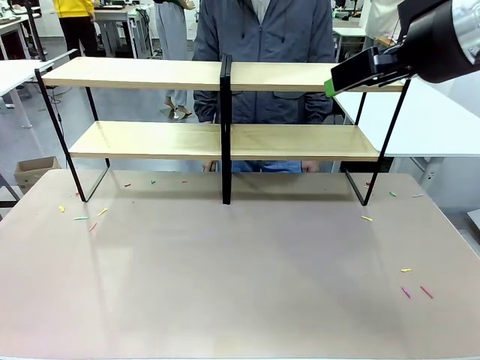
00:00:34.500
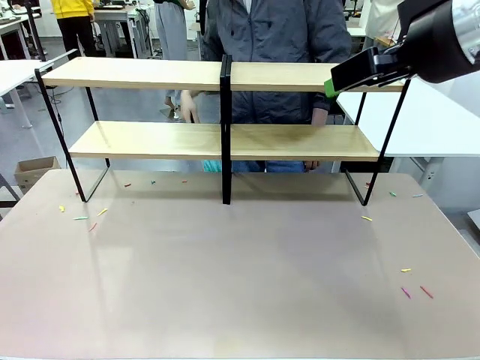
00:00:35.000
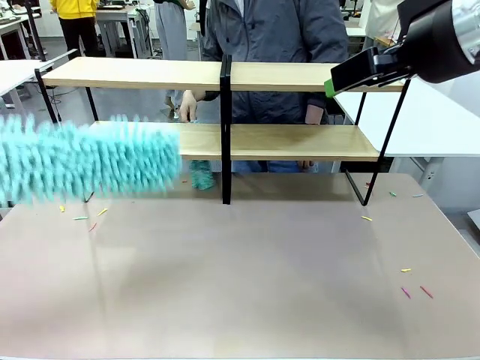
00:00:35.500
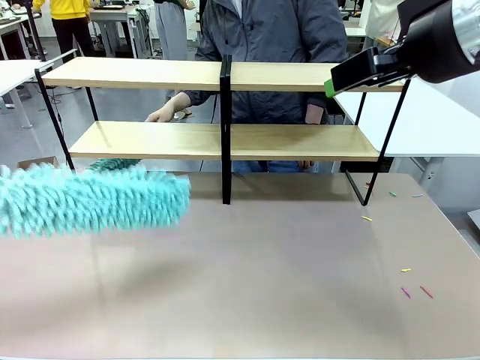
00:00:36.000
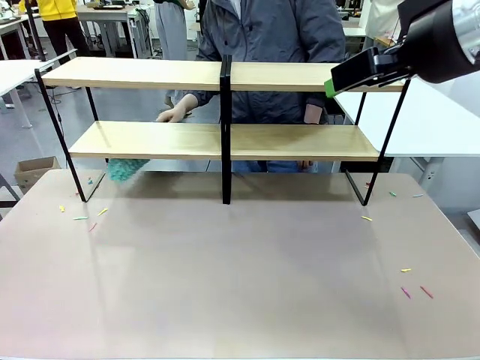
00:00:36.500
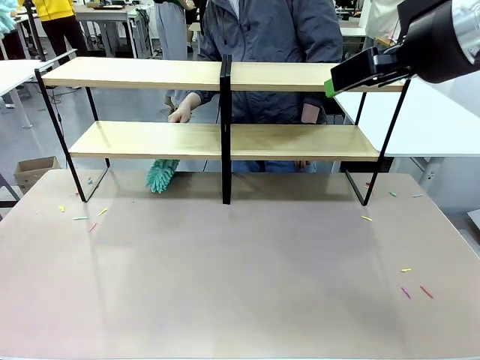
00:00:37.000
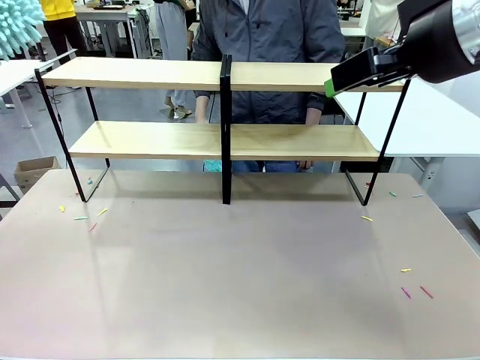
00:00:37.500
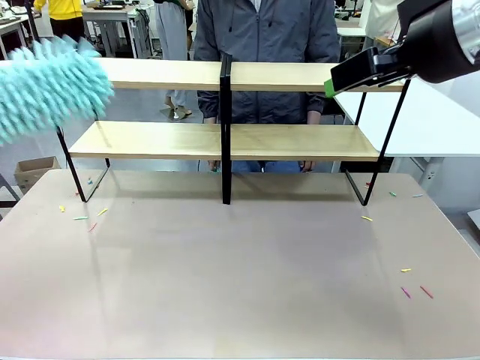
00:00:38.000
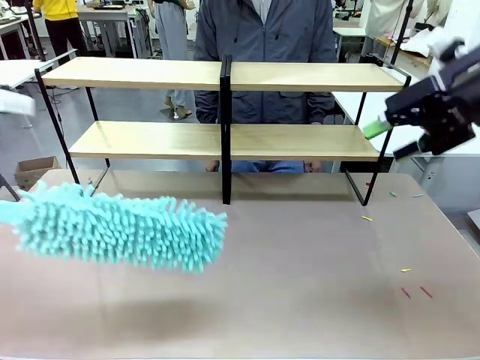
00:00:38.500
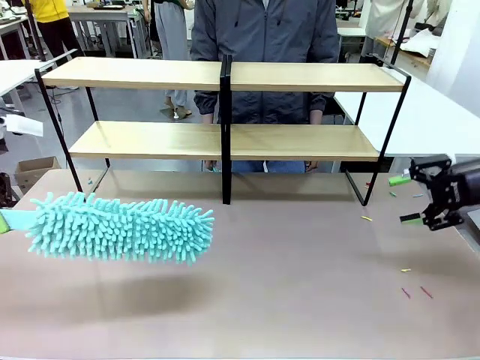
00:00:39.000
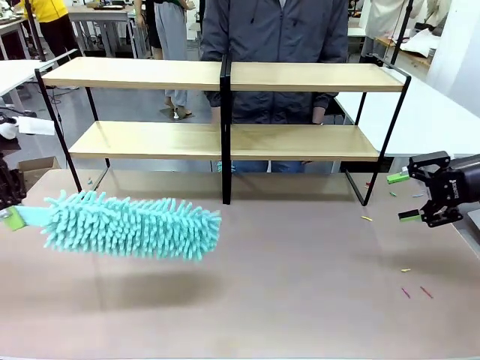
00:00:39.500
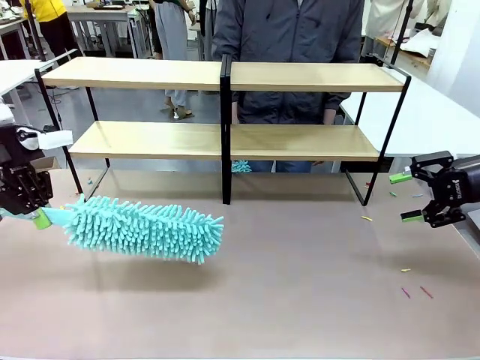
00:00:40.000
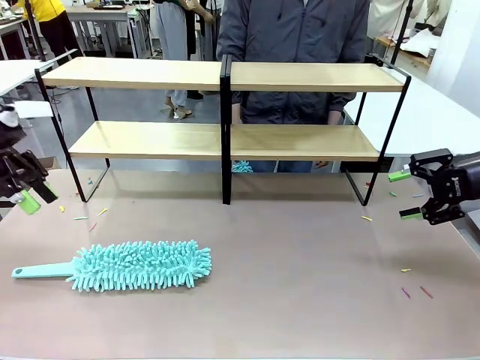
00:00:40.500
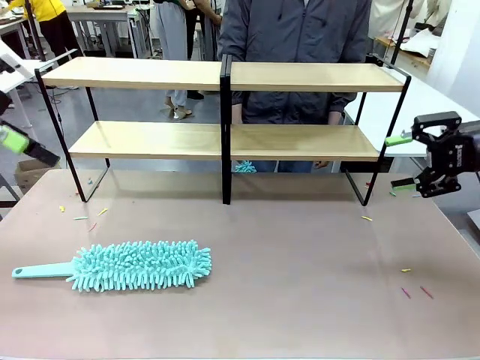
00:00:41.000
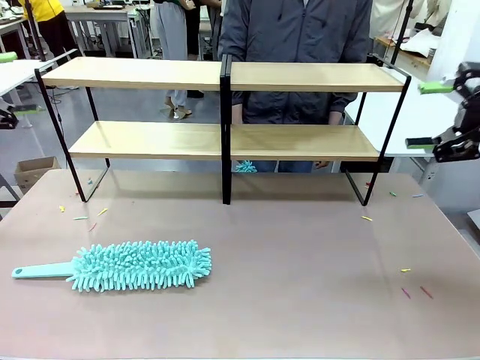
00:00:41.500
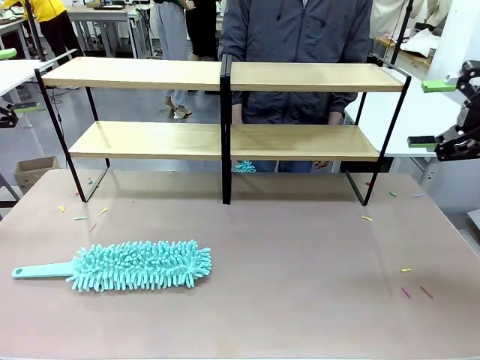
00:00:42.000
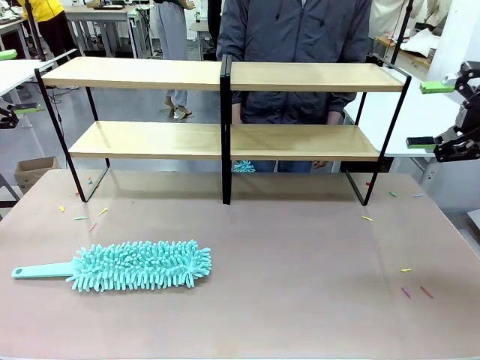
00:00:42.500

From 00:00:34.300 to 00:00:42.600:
Task: Clean the shelves.
Robot: Place the Duster on the table.

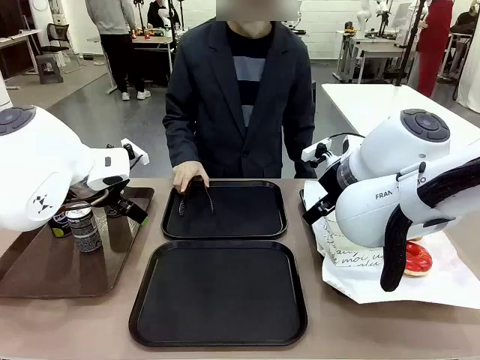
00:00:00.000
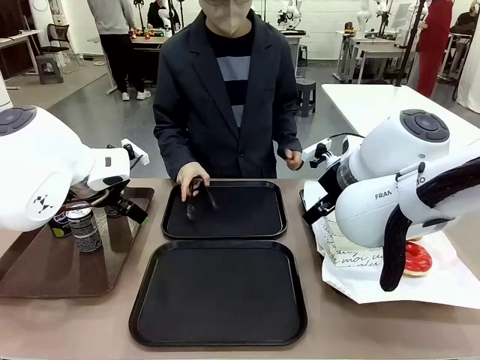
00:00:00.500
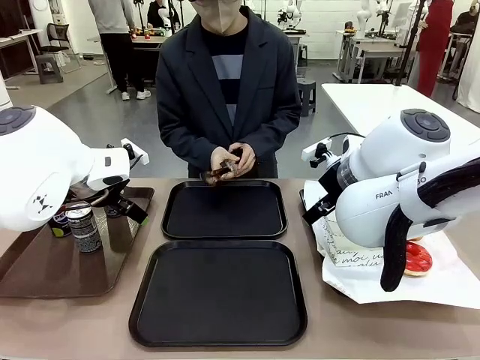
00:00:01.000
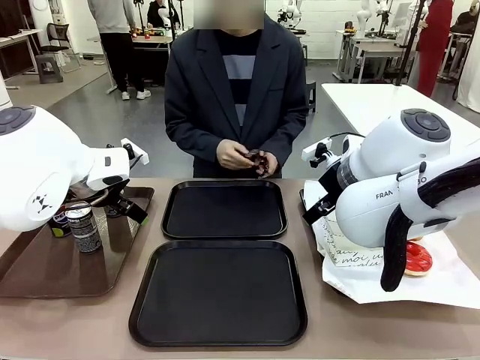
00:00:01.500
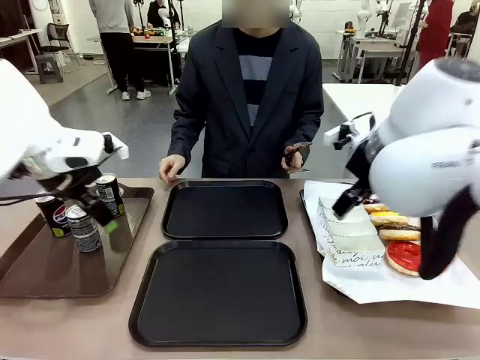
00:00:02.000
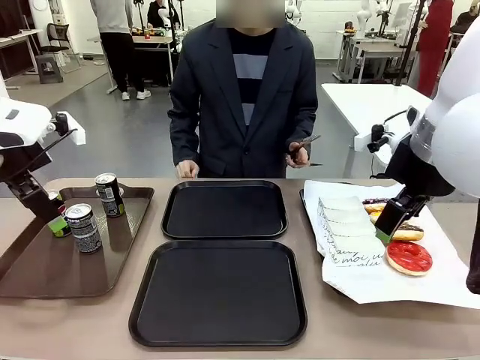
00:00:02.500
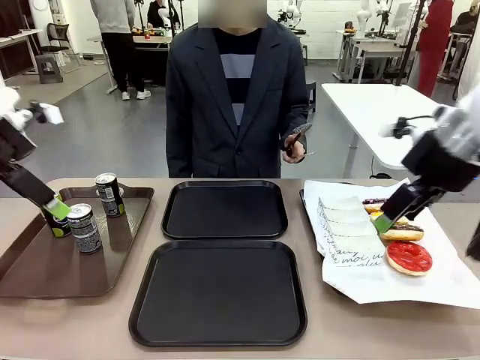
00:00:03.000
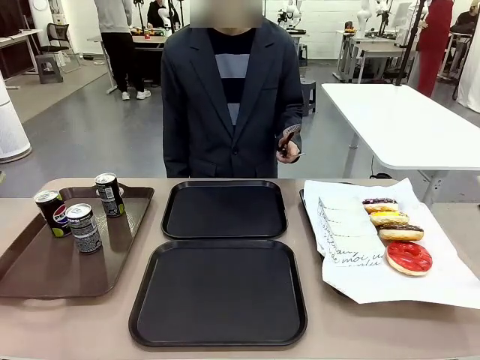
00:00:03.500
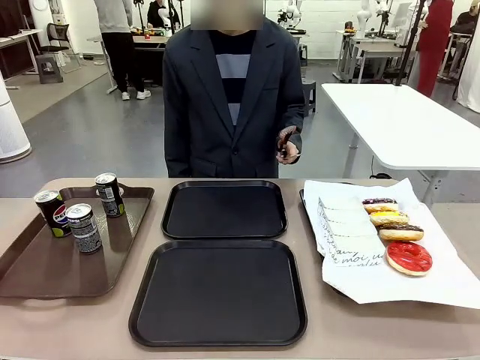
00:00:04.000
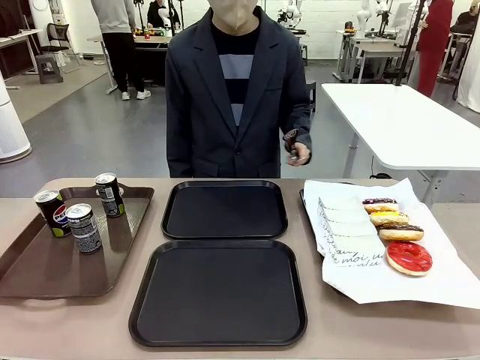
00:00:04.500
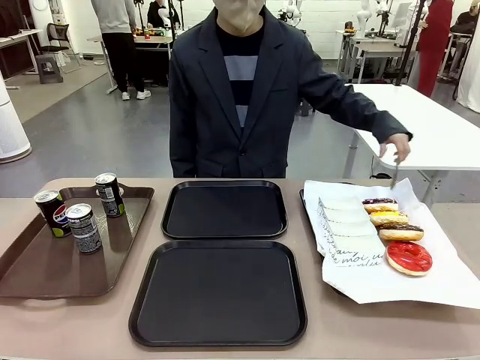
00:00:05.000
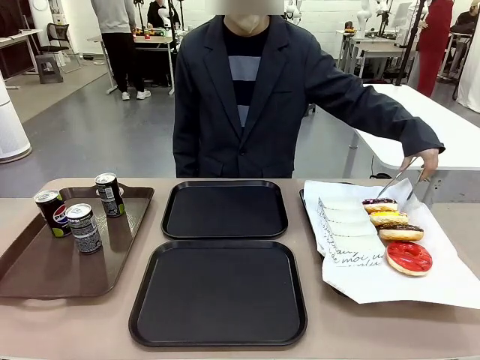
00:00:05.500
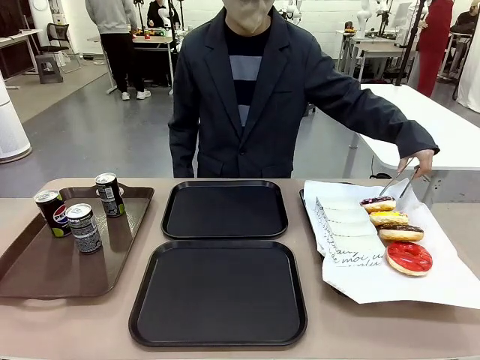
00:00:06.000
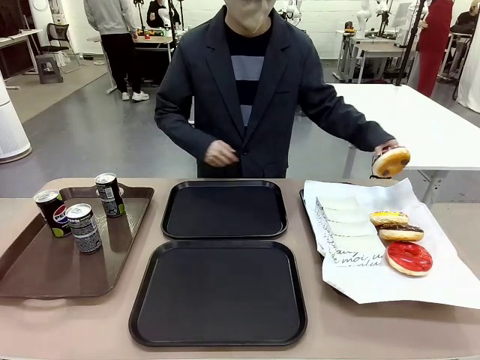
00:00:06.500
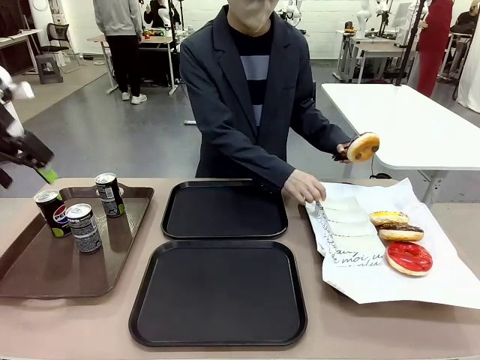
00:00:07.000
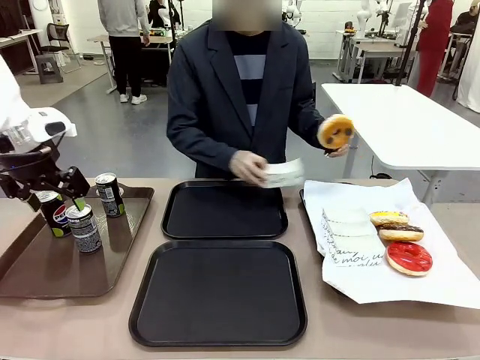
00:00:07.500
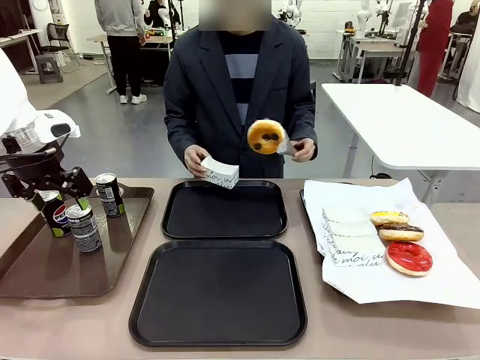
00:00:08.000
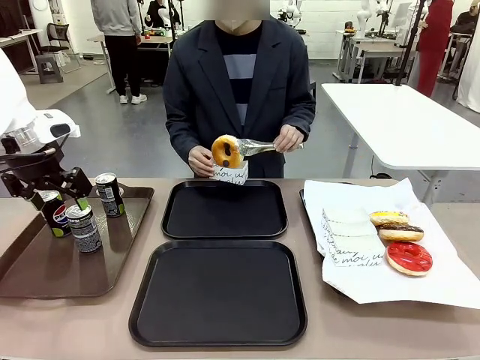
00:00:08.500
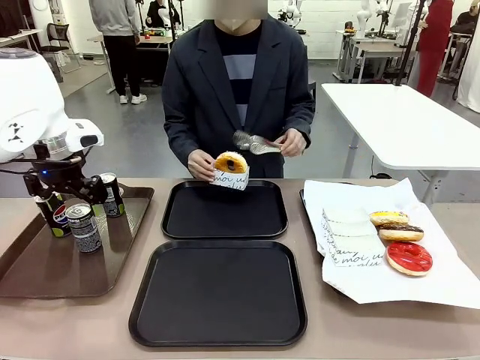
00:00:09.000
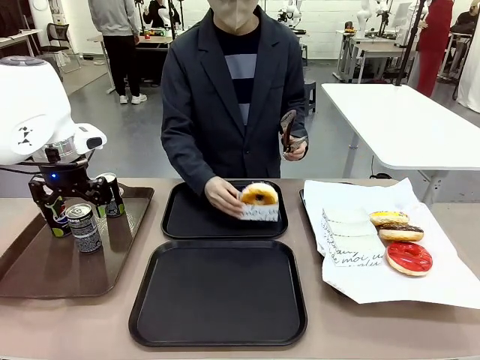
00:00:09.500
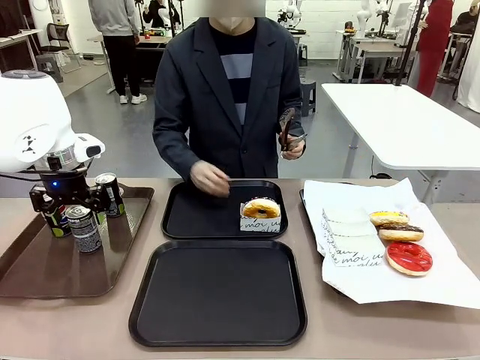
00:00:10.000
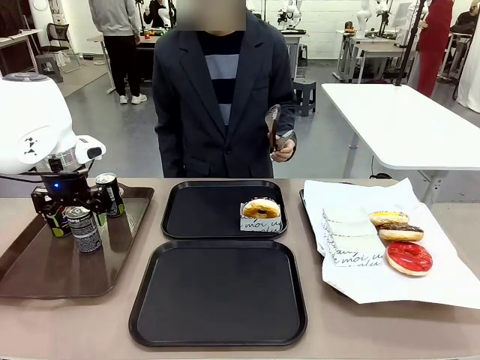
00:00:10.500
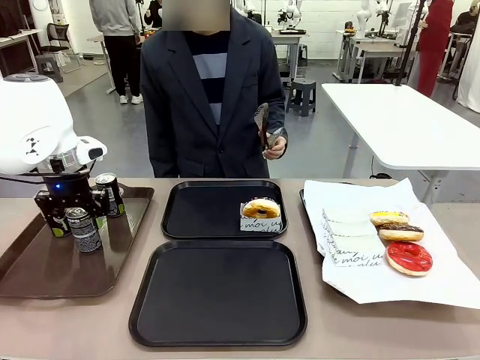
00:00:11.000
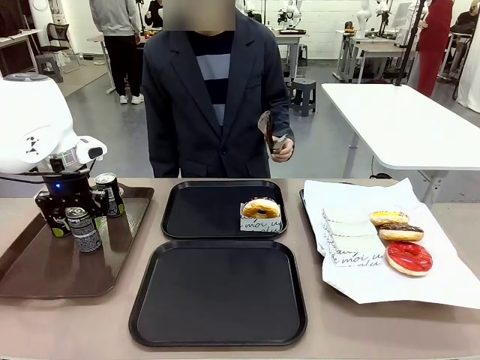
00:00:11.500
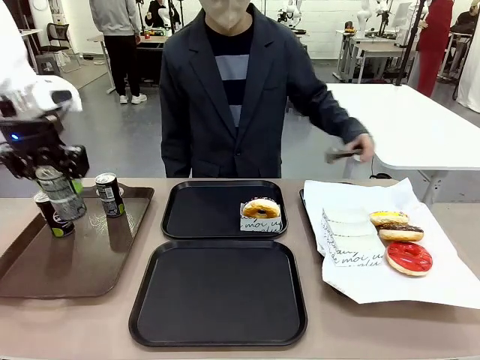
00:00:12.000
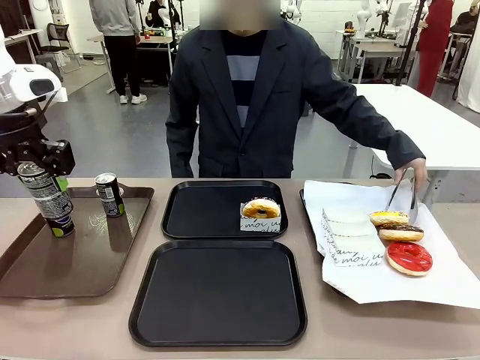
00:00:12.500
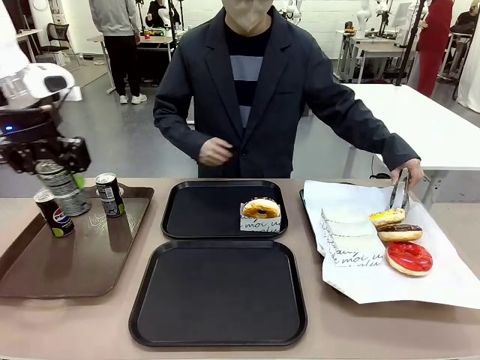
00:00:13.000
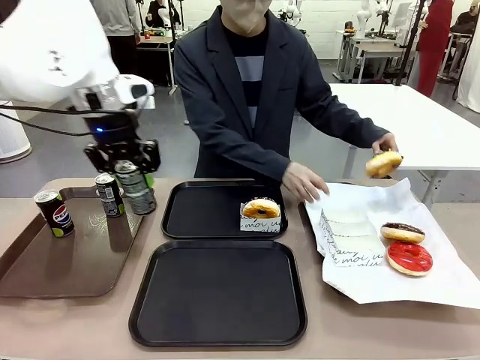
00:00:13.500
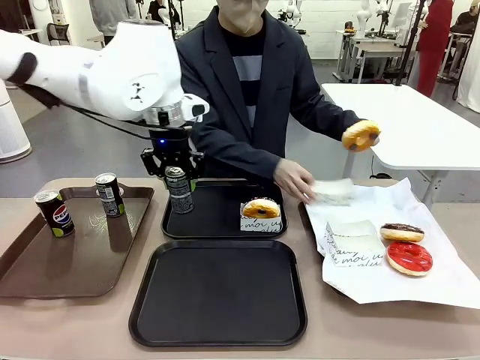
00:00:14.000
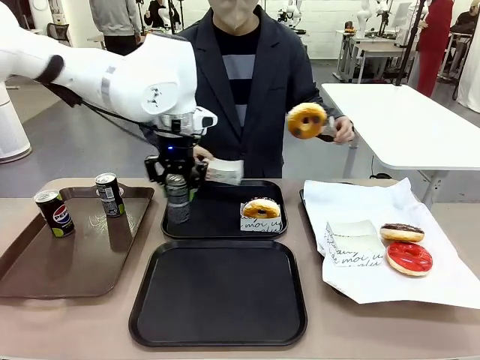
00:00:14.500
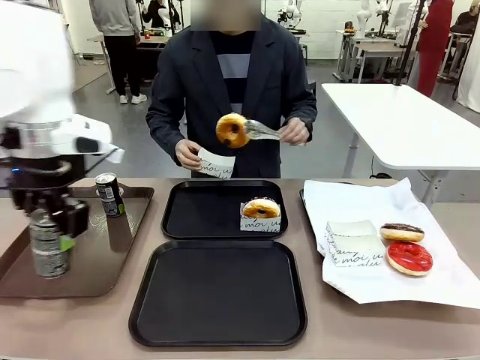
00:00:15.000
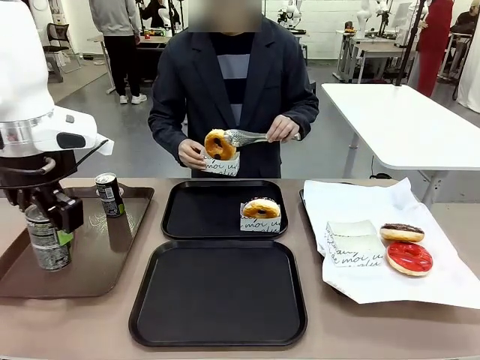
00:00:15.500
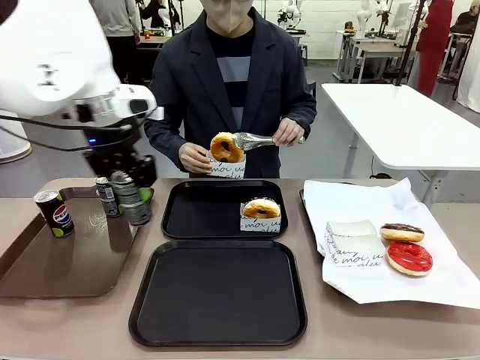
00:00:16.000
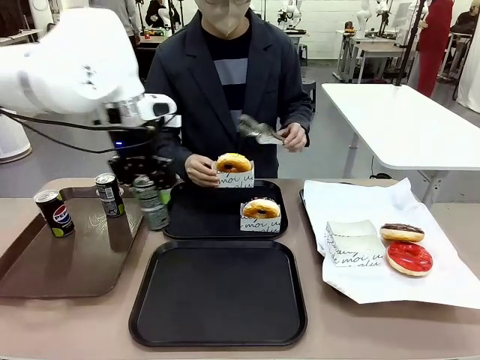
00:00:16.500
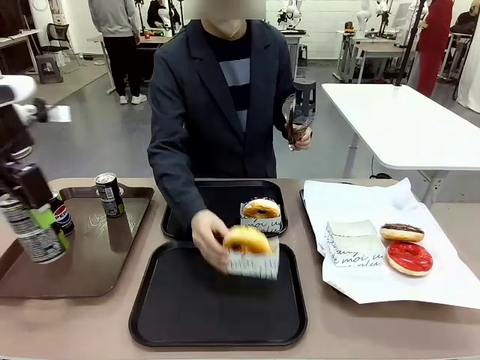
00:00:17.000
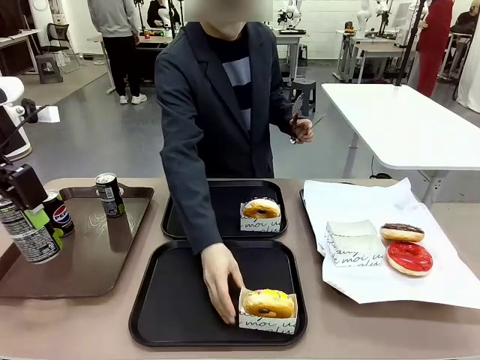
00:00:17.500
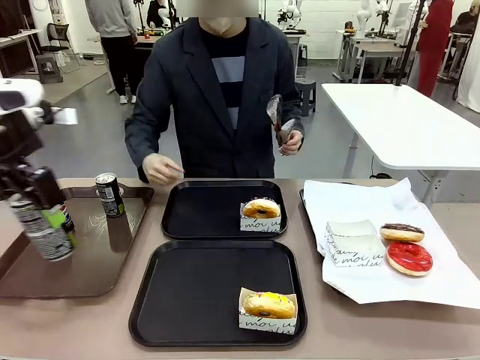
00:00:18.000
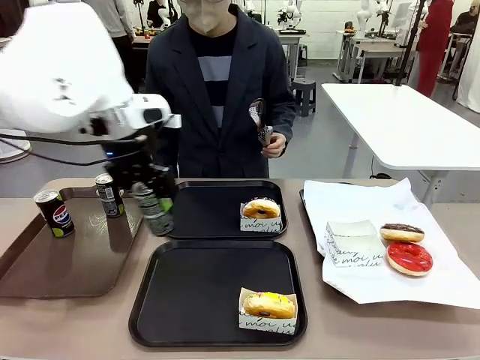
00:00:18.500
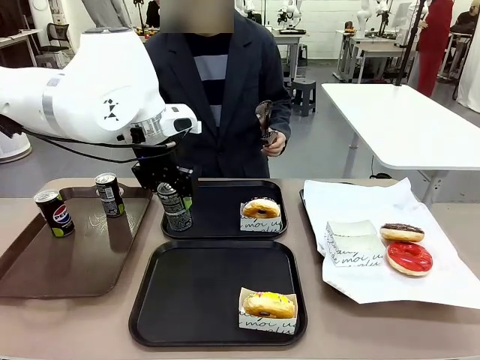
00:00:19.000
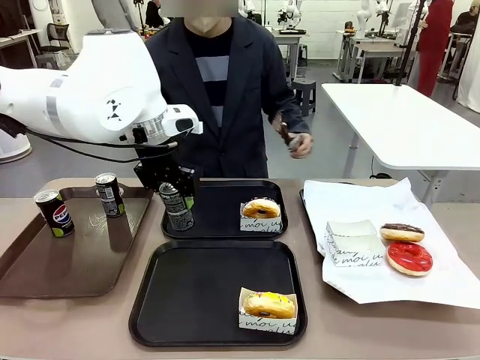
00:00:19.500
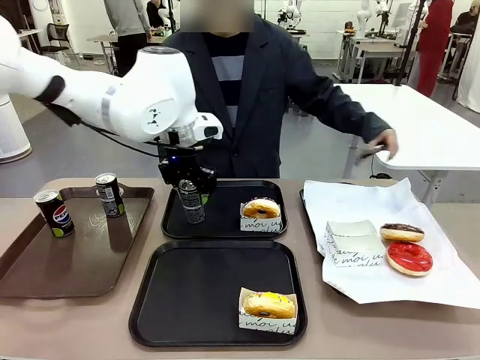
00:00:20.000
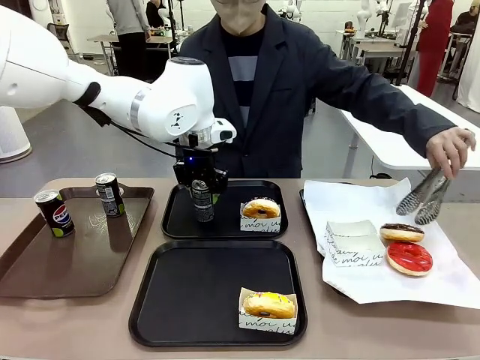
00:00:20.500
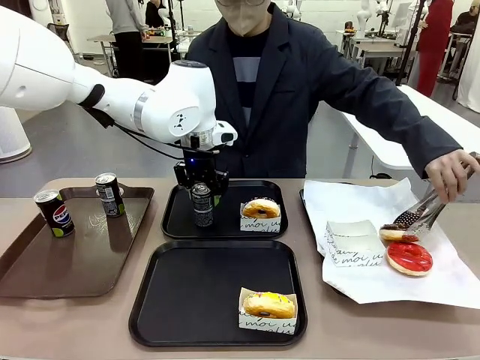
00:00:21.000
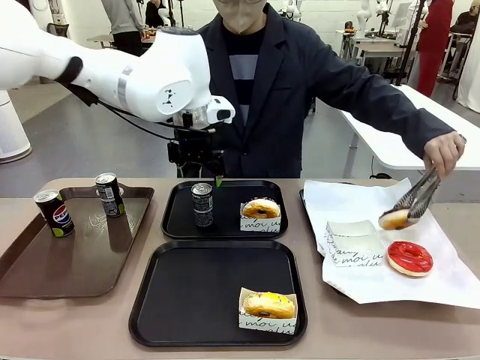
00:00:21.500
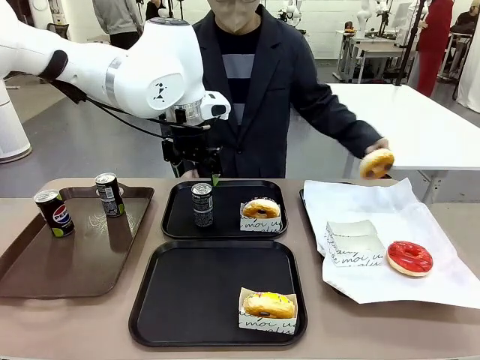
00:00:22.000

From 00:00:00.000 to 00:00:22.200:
Task: Set up donuts and drinks on trays.
Robot: Pick up one Pepsi coke and place it on the Flat Tray.
Person: Pick up one donut with tongs, place it in the donut tray, and then place the donut tray on the flat tray.
